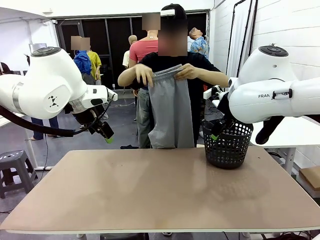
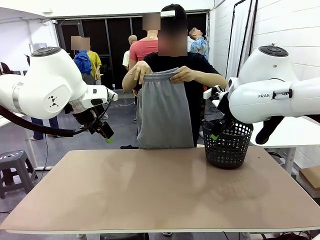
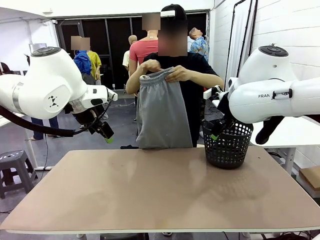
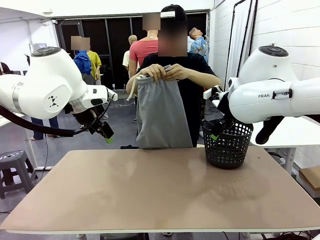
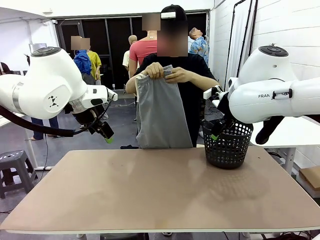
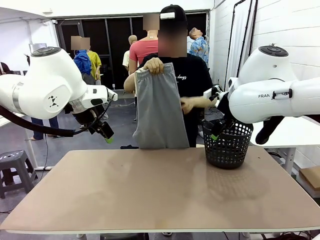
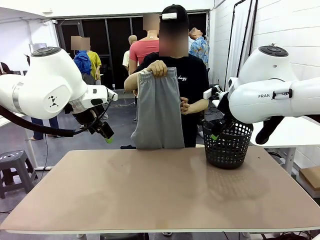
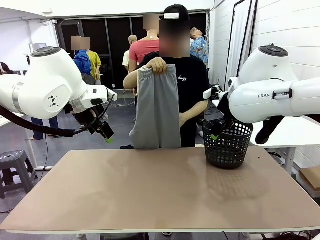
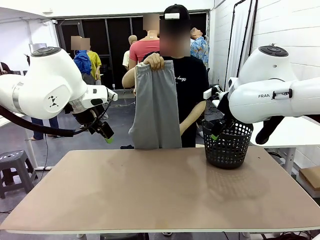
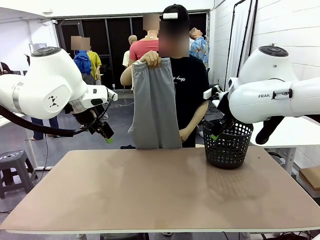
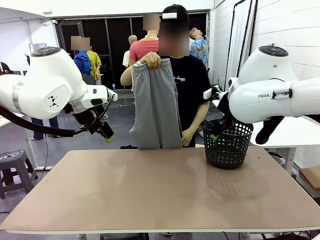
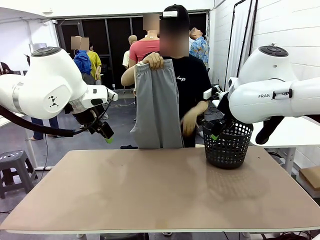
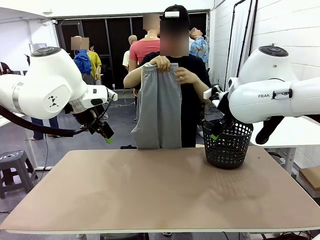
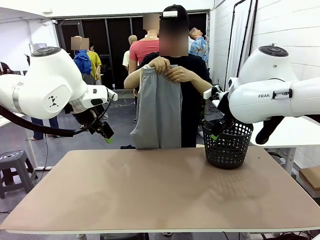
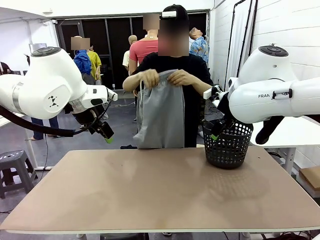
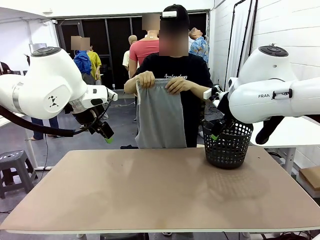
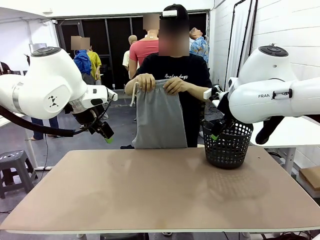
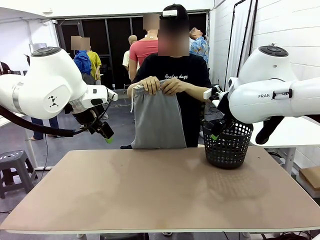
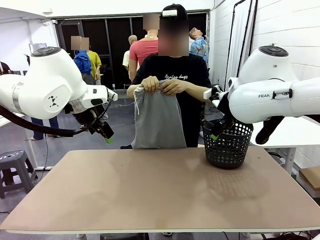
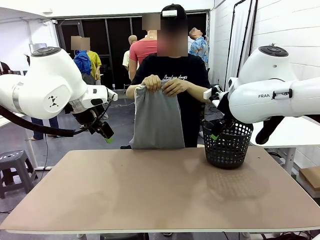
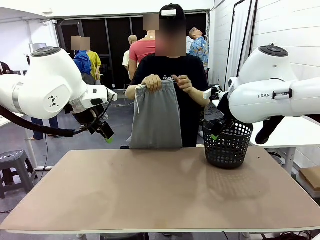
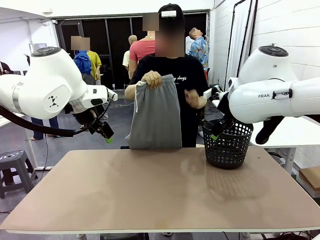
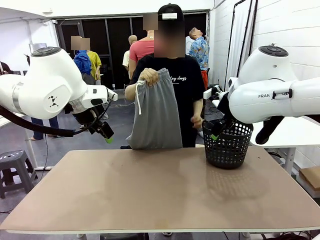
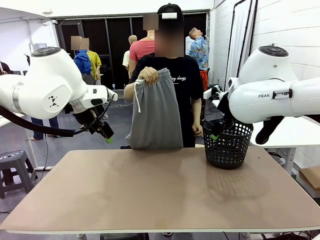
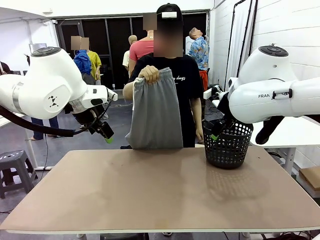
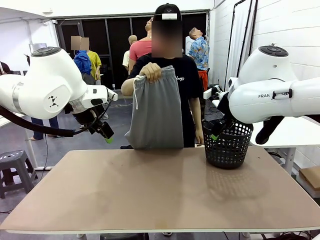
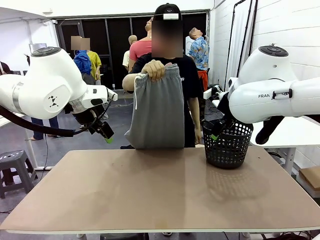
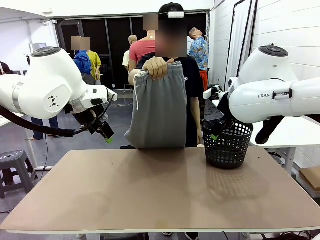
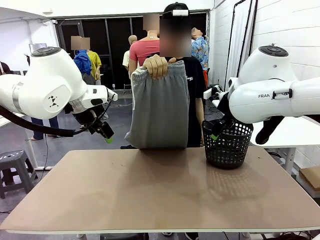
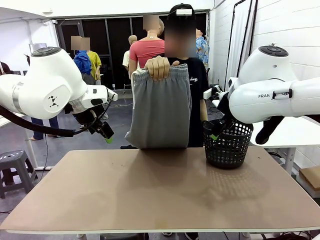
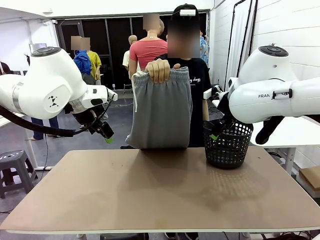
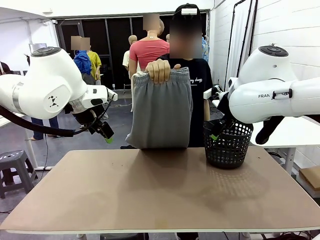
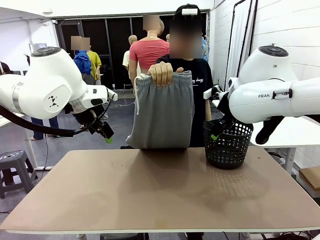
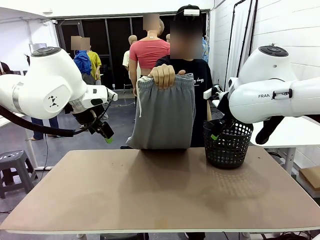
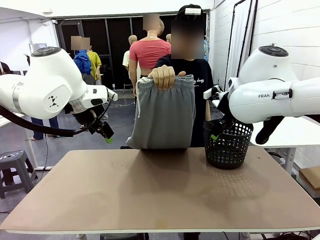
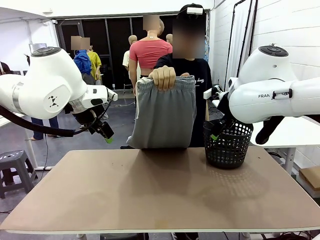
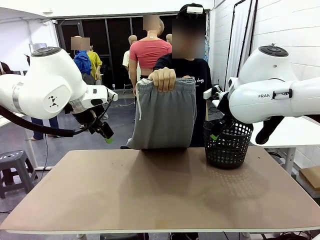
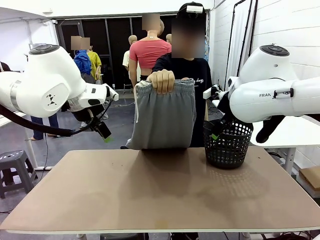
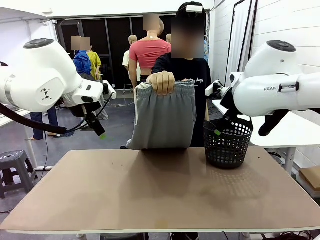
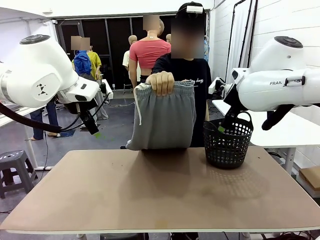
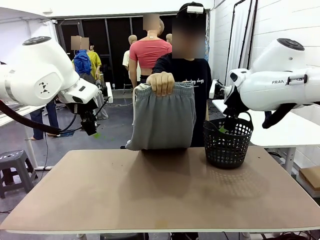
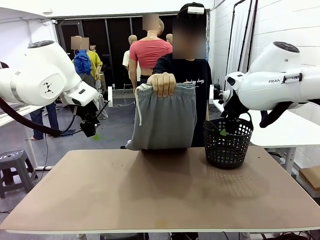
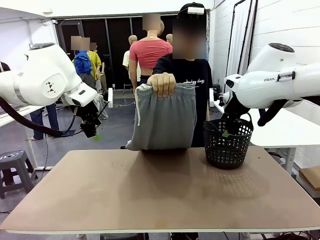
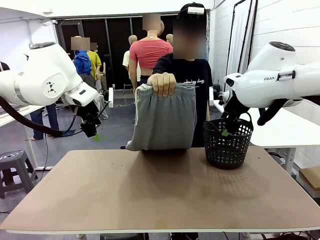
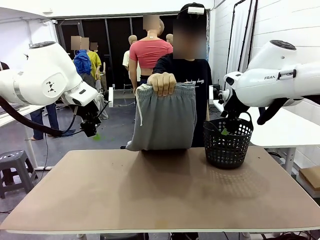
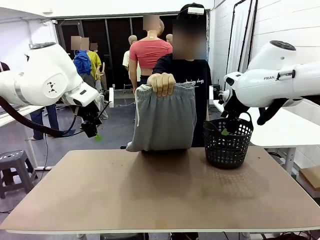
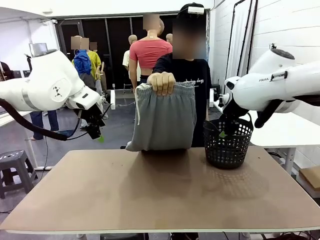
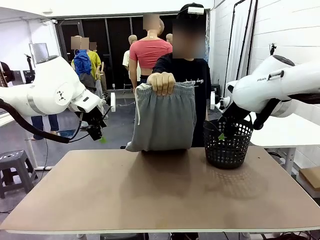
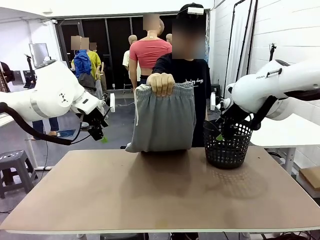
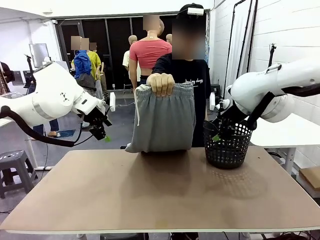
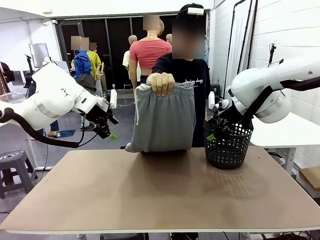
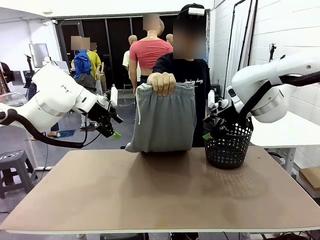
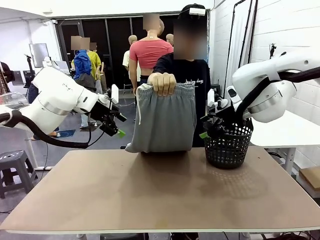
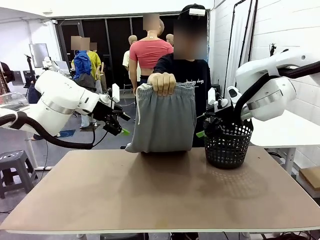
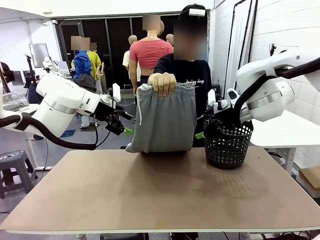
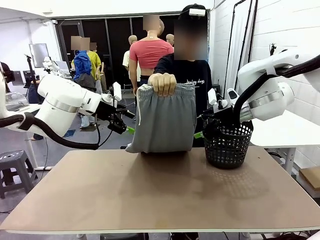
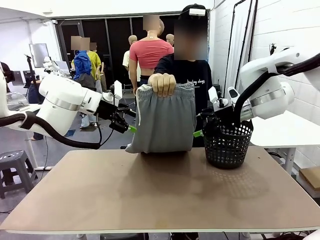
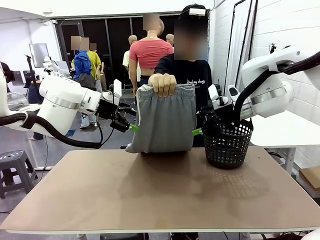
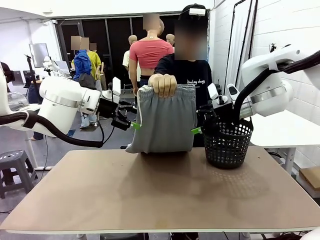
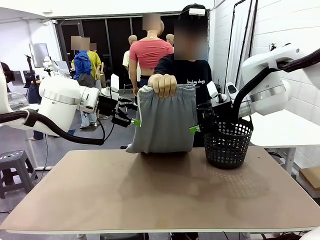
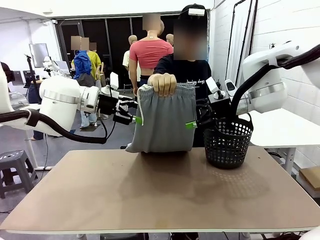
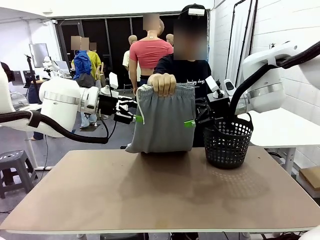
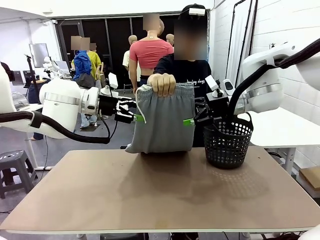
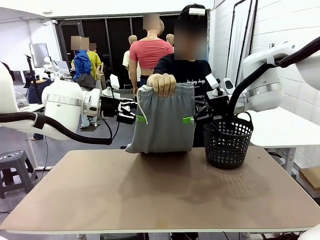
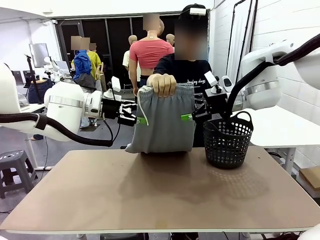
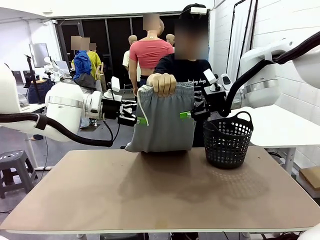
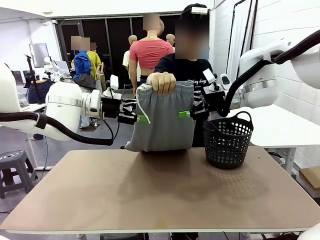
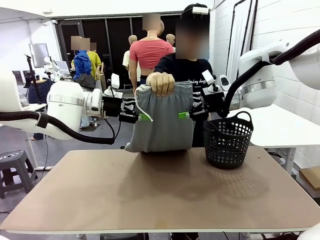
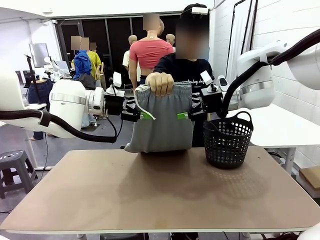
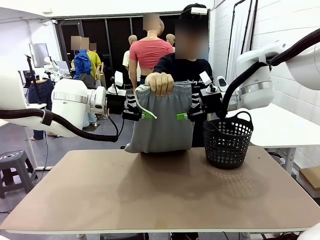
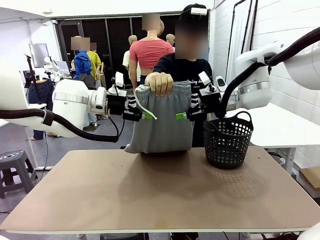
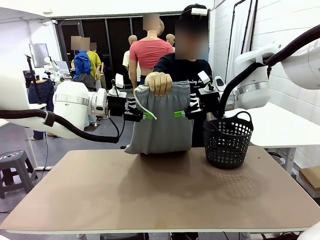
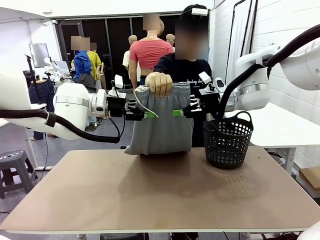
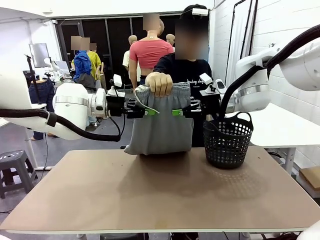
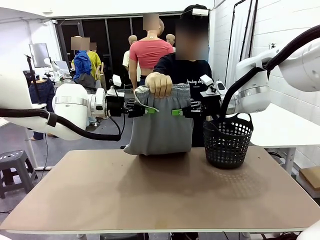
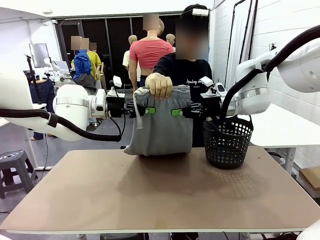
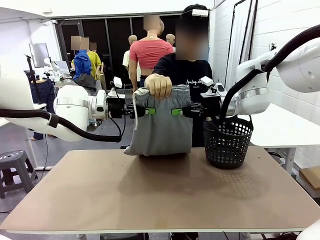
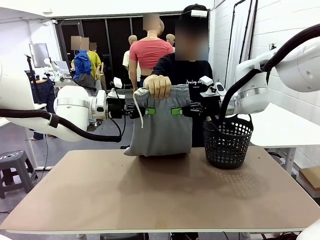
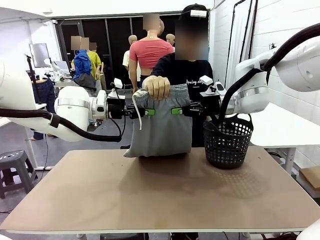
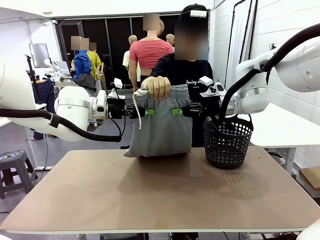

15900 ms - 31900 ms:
Task: Fold the training pants.
Robot: Grab both ends of the Training pants handed by a person.

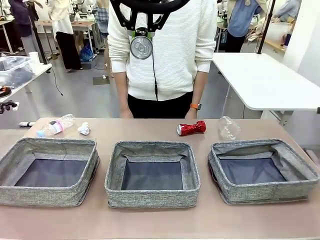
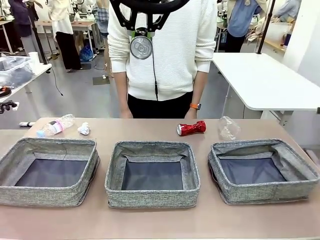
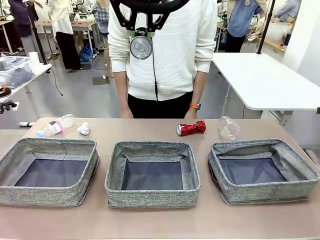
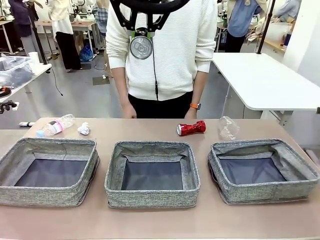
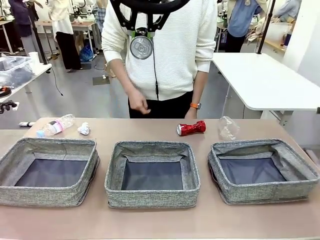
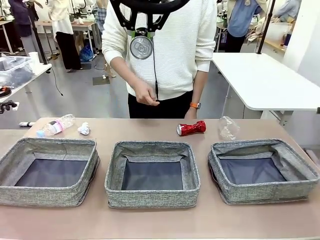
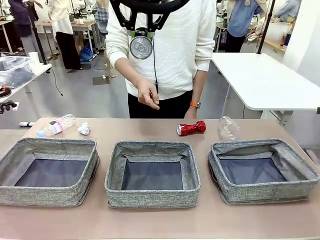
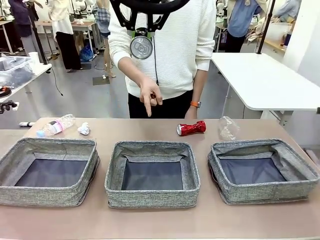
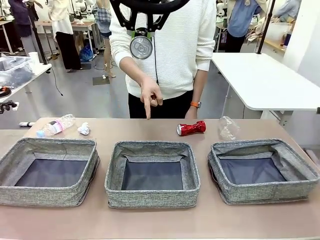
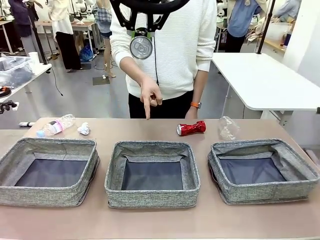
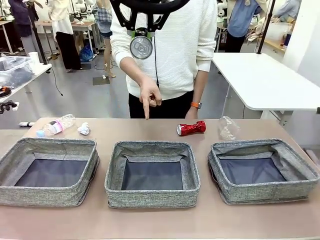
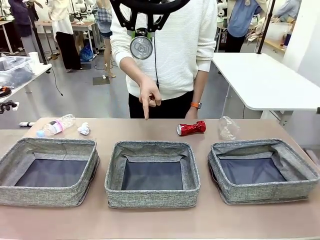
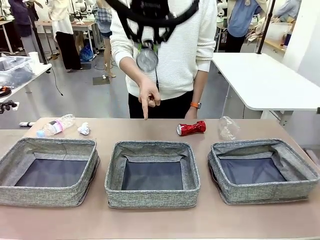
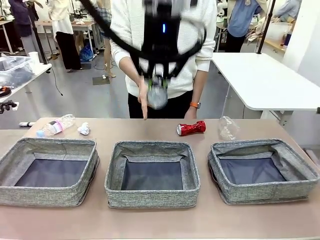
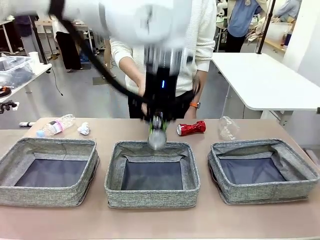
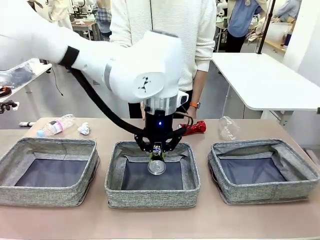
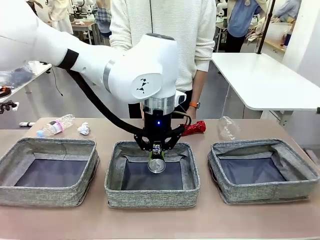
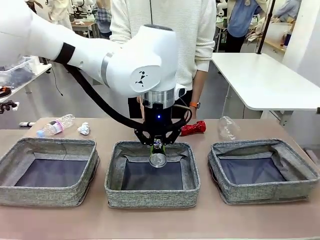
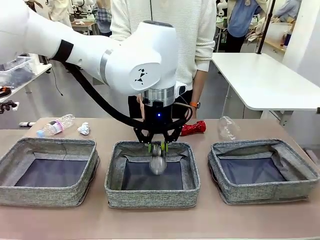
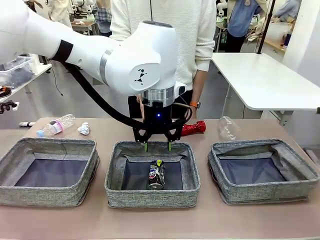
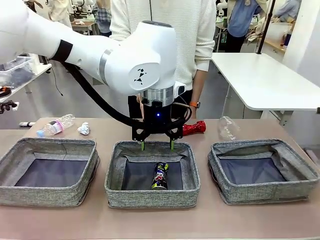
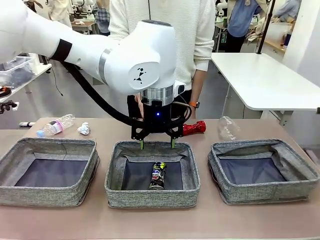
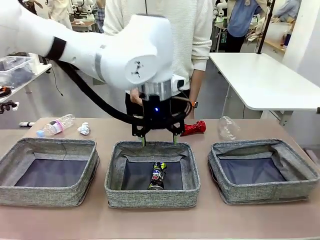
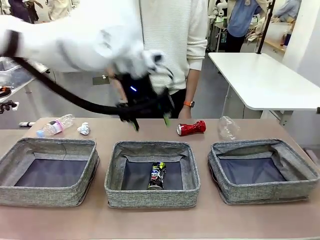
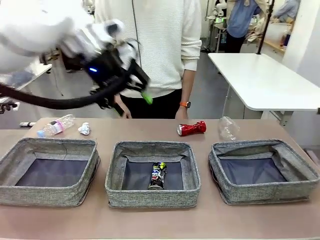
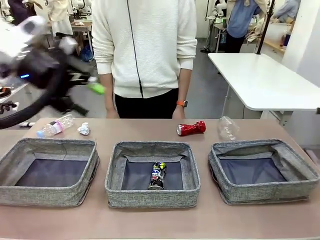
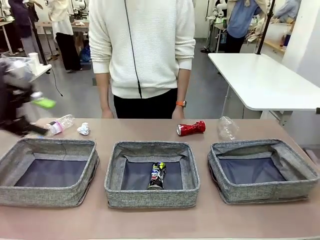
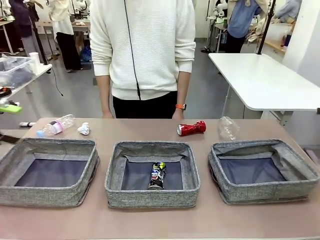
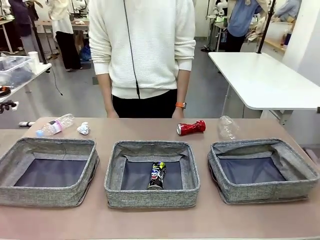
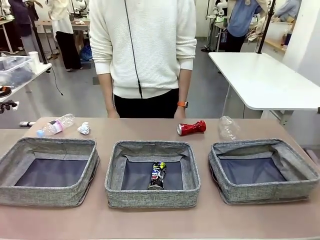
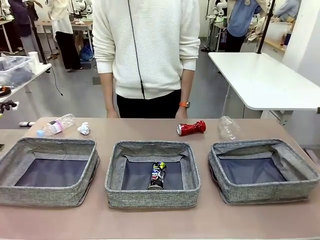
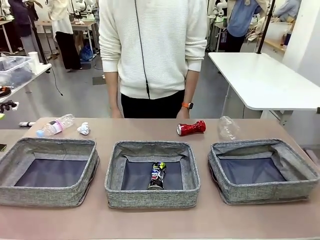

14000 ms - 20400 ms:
Task: Sort the waste into the appropriate baskets.
Robot: Place the picked waste into the Fabric basket indicated by the person.
Person: Instructs the robot to place the picked-up trash into the appropriate organizing basket.
